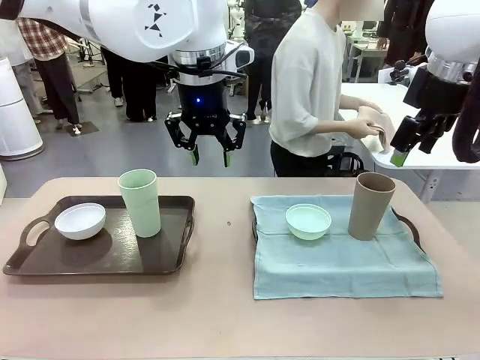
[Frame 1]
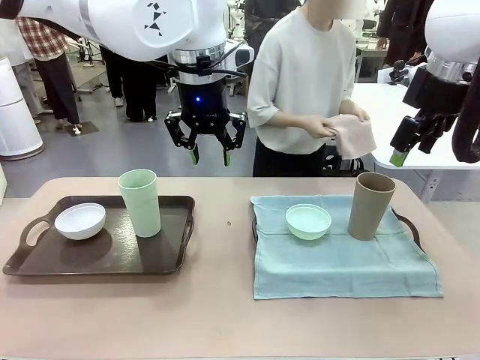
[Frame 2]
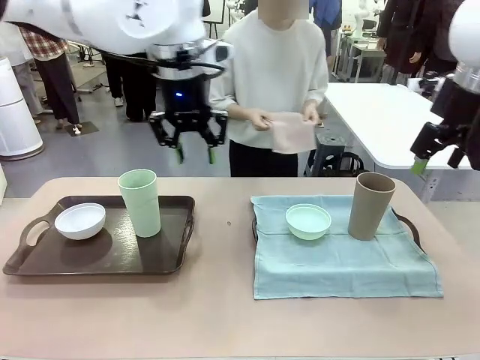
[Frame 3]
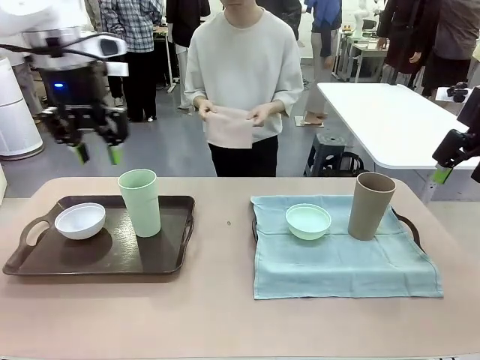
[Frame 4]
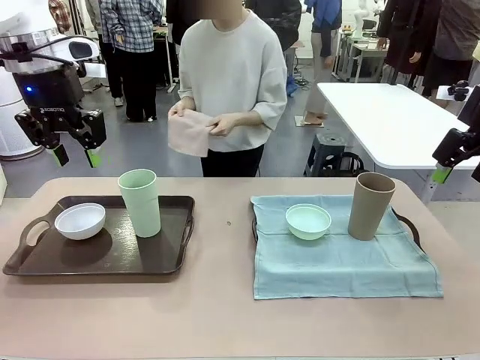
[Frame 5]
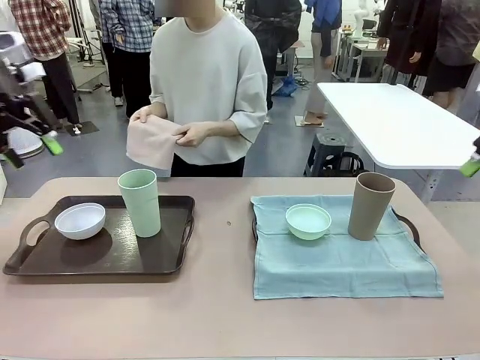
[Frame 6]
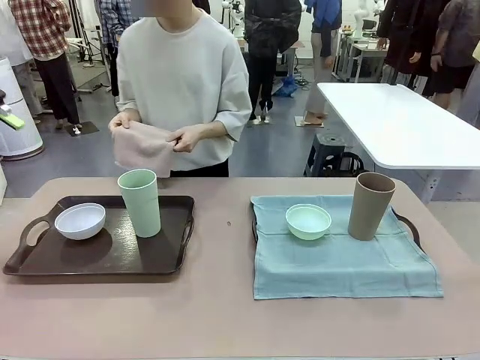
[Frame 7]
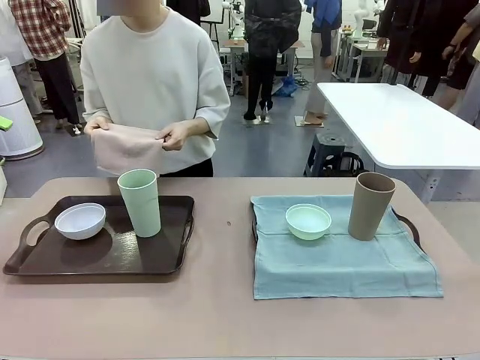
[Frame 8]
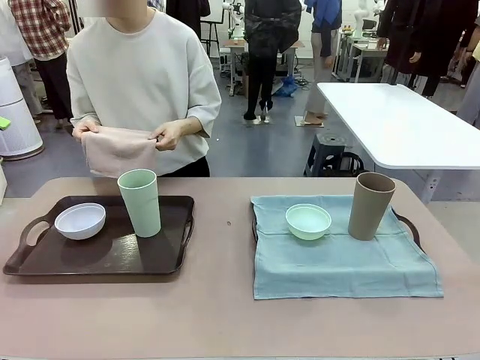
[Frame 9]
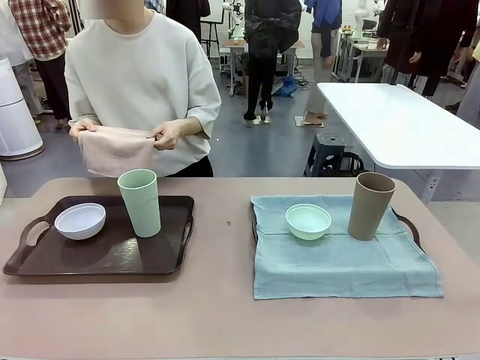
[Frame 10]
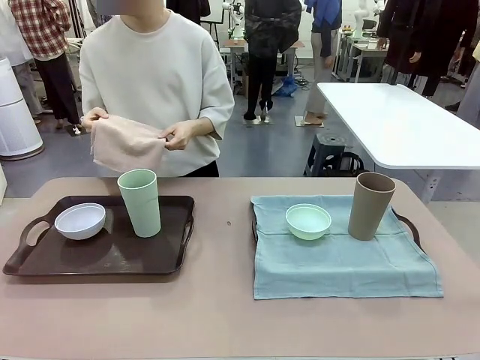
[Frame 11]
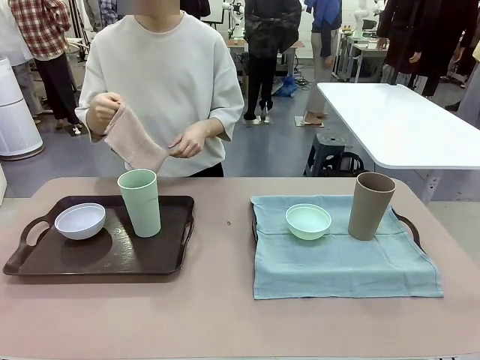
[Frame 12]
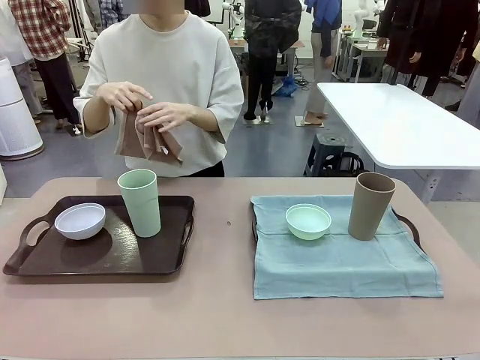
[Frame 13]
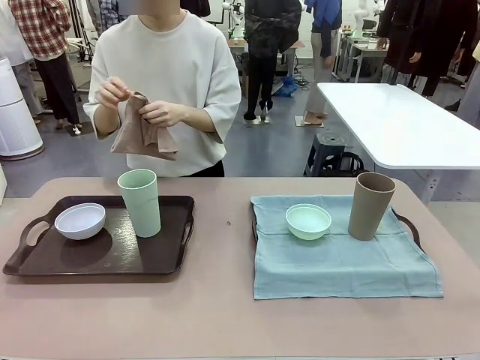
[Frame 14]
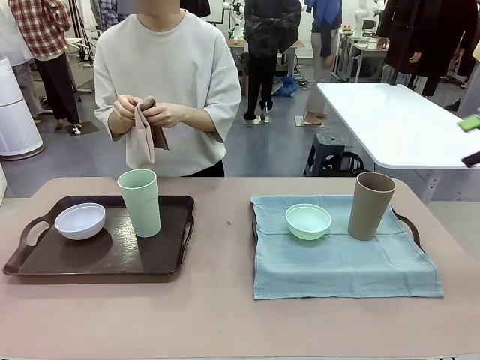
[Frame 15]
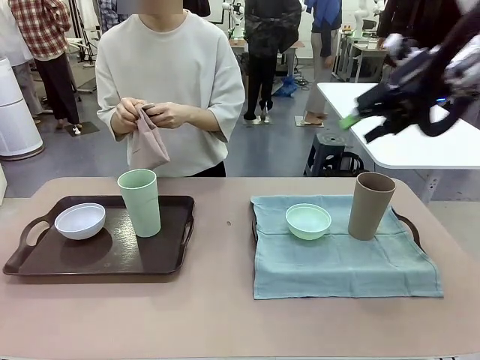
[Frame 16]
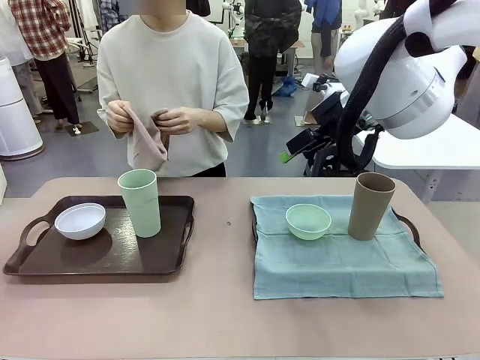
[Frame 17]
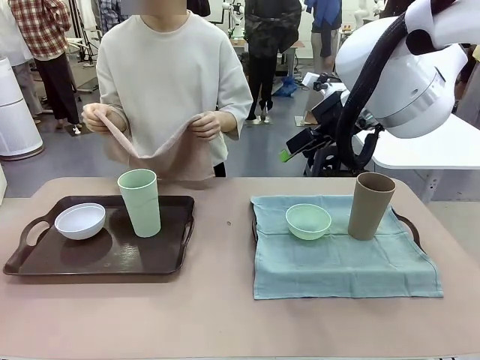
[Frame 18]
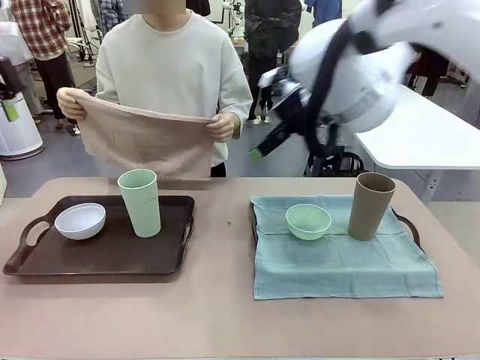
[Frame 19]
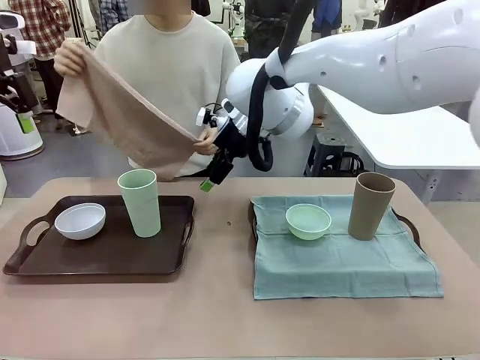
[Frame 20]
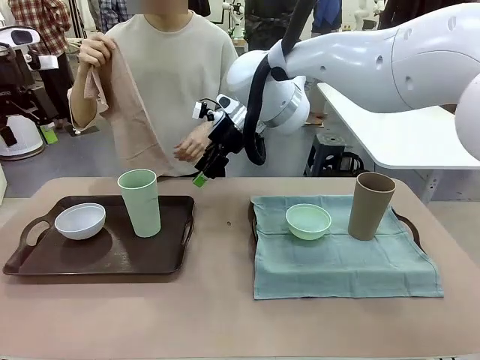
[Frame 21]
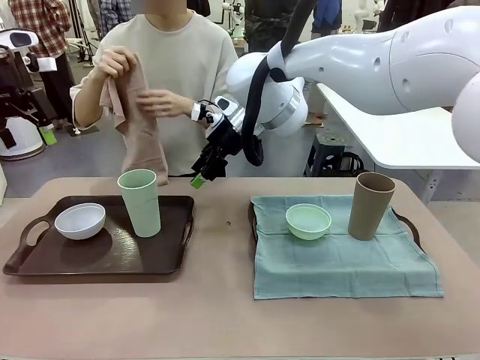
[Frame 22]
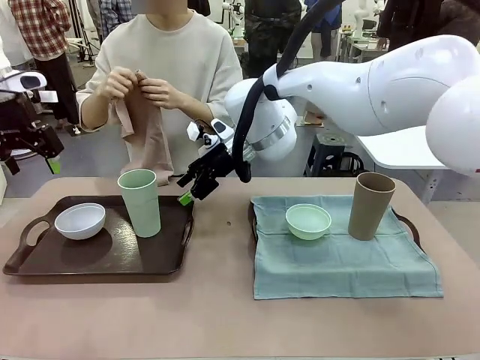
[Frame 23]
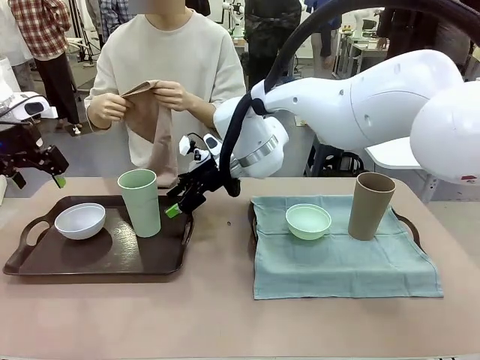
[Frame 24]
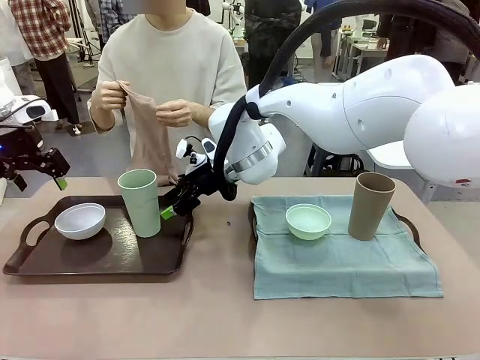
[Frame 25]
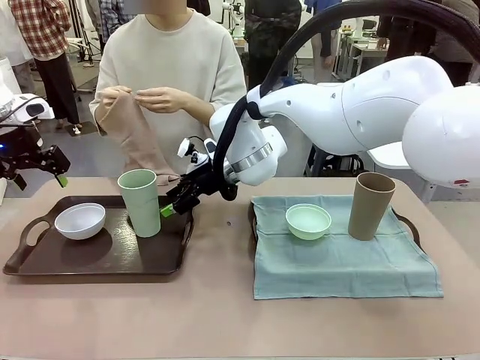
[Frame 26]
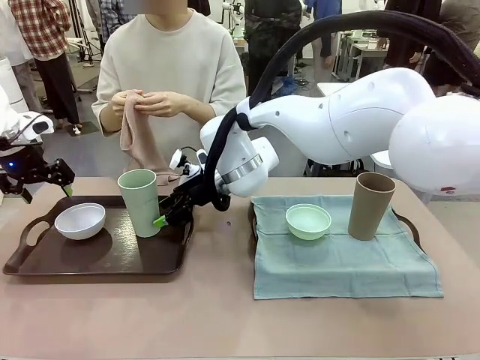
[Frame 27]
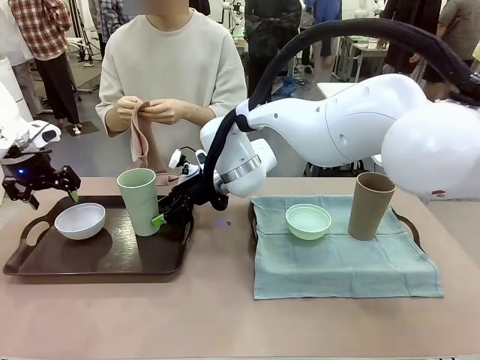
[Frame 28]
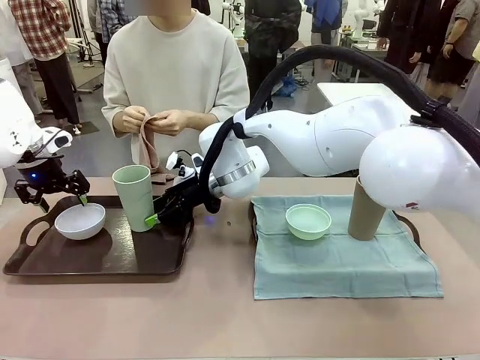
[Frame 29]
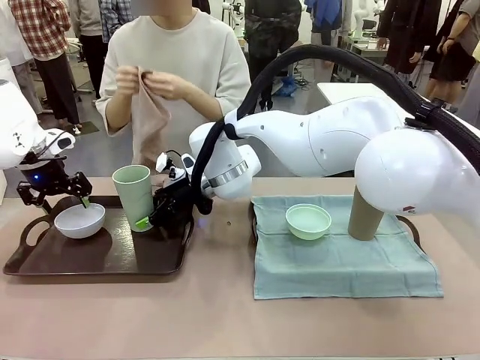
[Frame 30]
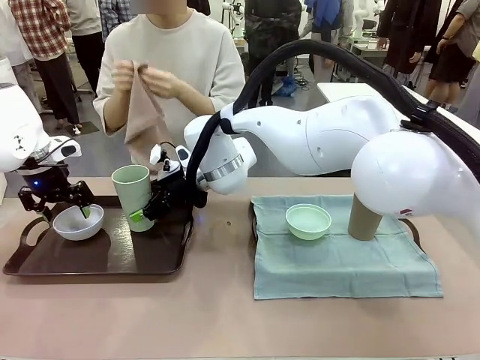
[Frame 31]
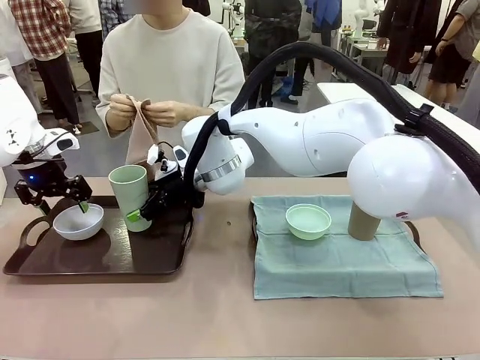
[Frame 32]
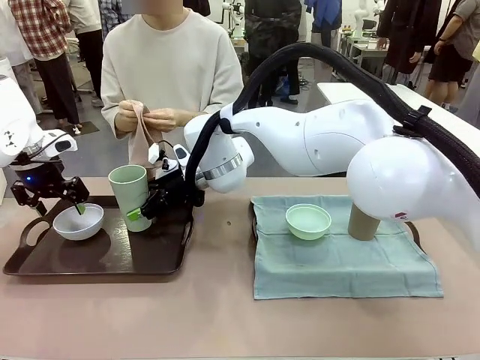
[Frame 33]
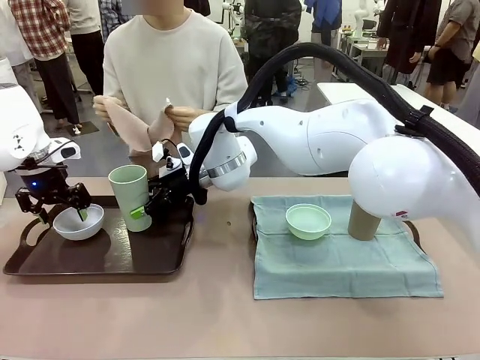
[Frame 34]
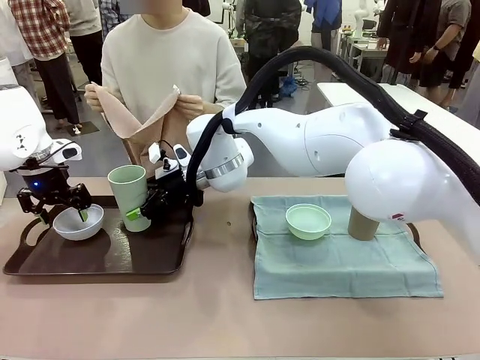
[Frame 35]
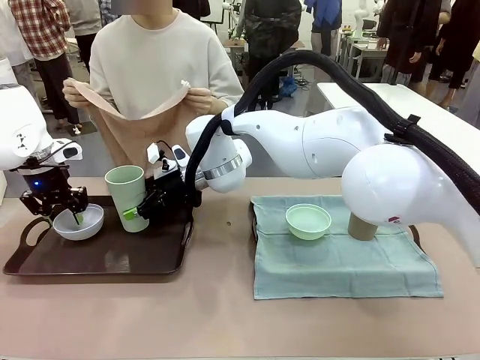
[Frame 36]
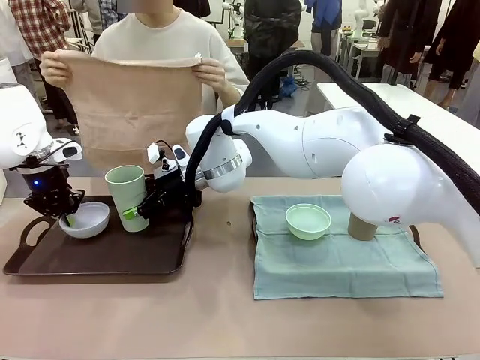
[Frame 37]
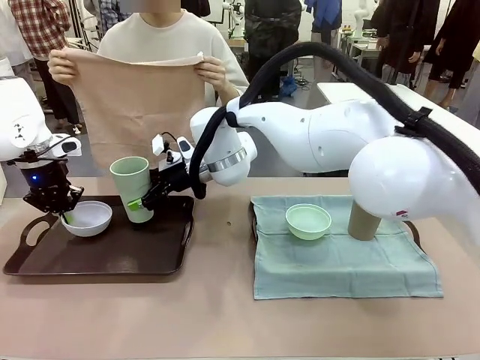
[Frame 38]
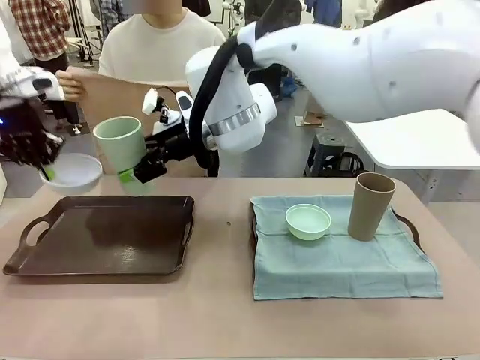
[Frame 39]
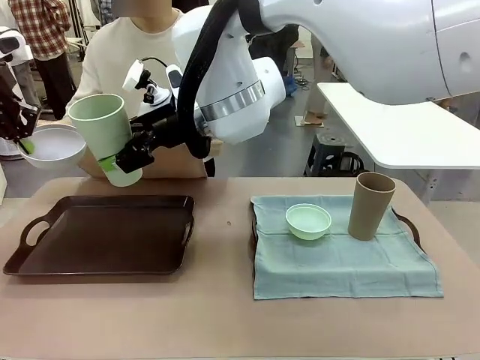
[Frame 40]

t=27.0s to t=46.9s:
Robot: Pick up the Picnic Bowl and Reusable plastic cup from the Handle tray in front of the human's position and hold them in the air.
Person: When the robot lifts the bowl and the cup, the human unfolds the napkin and lays the napkin flat on the tray.

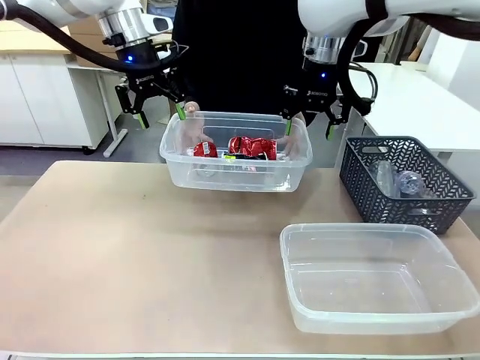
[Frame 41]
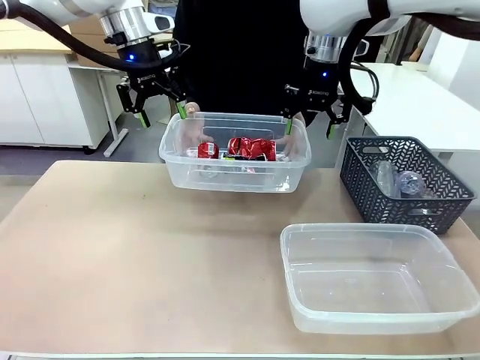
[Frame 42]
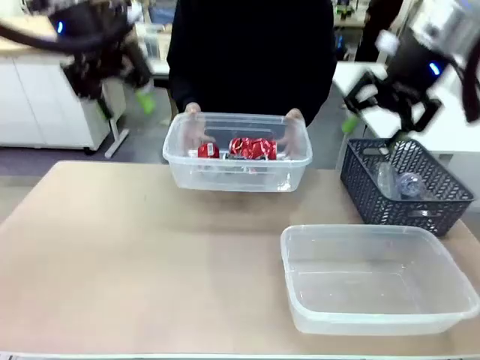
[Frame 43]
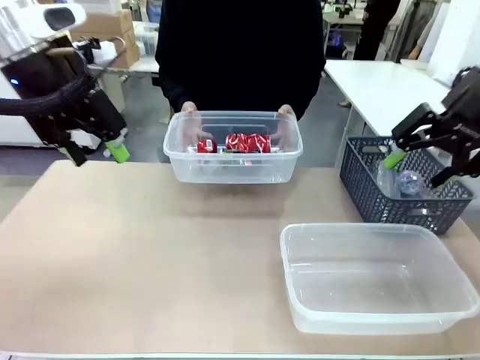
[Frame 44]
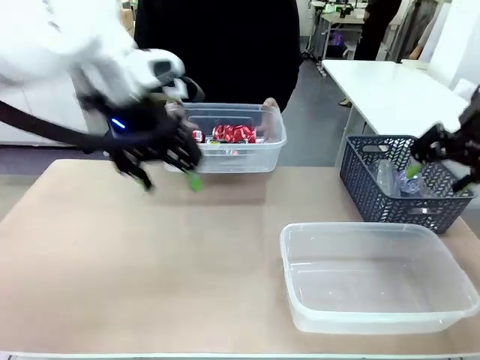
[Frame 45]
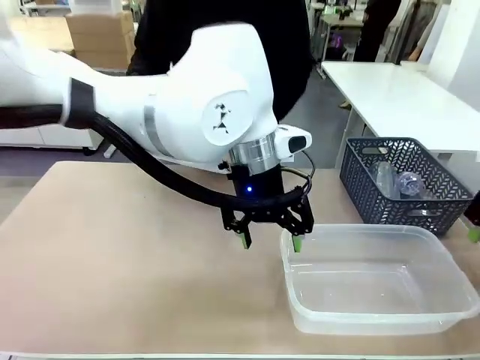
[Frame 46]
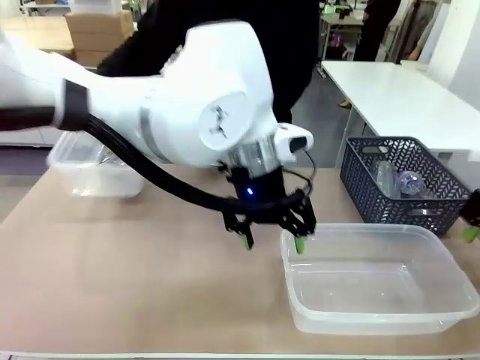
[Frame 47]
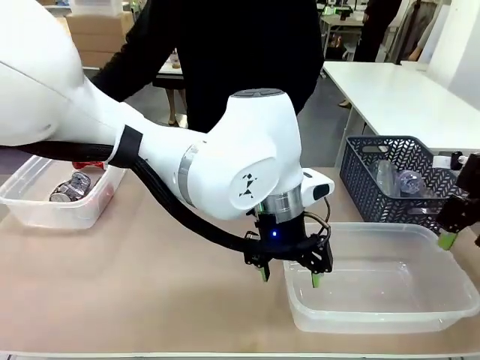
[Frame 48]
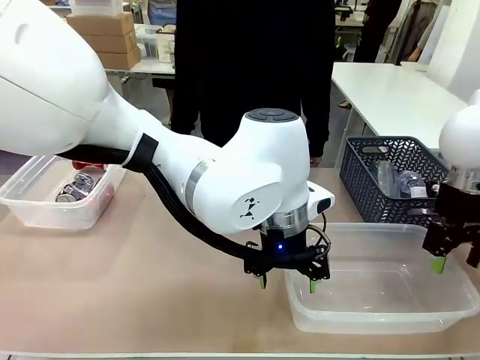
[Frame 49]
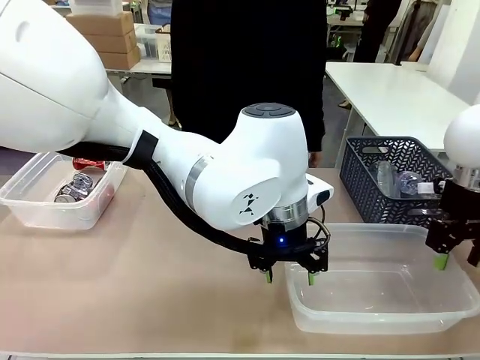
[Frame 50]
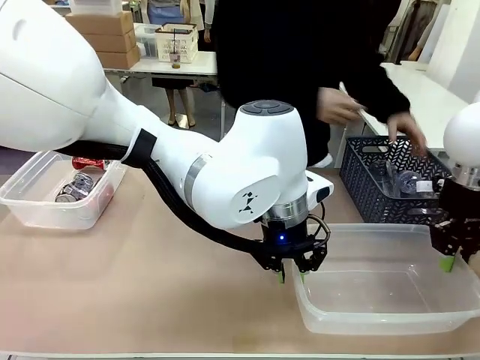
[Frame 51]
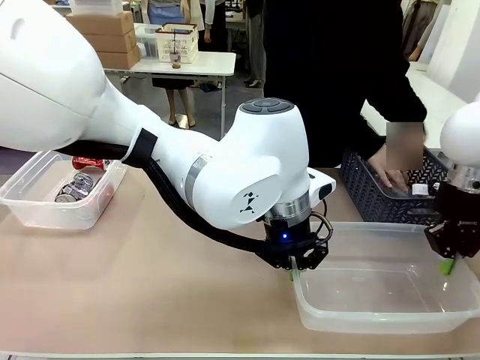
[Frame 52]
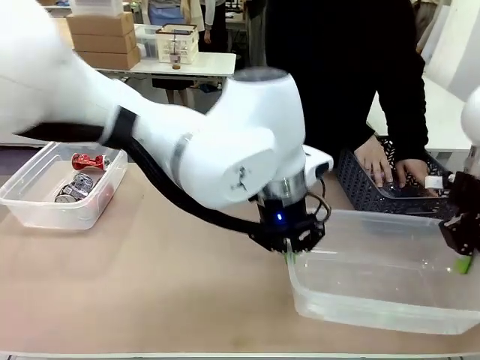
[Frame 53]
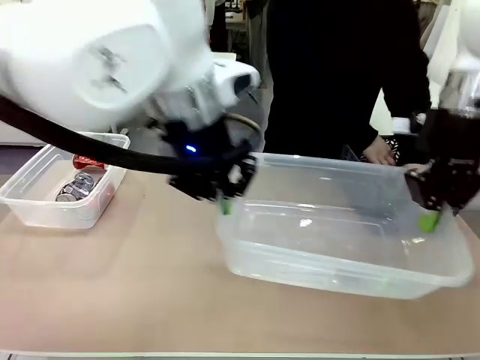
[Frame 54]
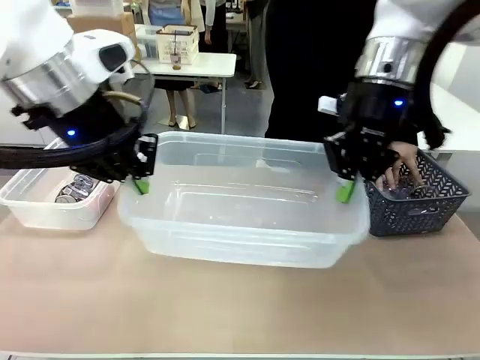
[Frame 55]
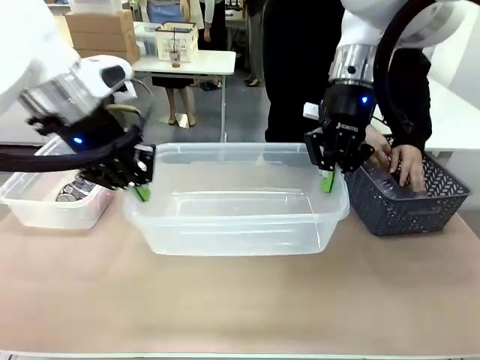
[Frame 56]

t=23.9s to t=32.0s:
Robot: Pick up the Organizing box on the right side of the table and lift it.
Person: Place it at the edge of the bottom right area of the robot table.
